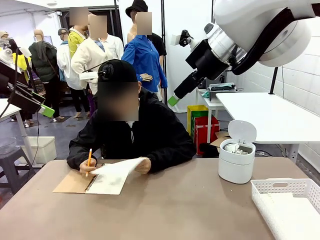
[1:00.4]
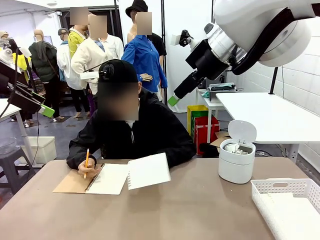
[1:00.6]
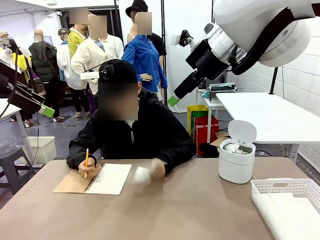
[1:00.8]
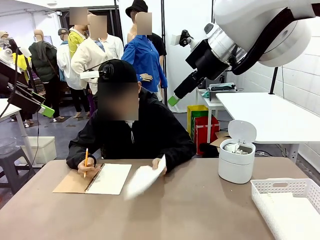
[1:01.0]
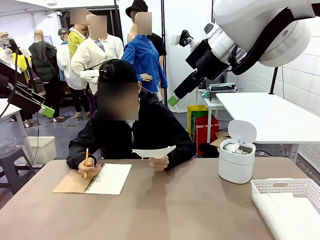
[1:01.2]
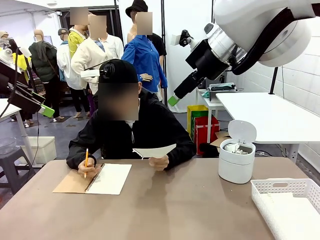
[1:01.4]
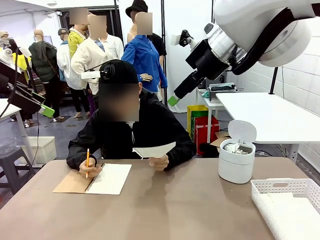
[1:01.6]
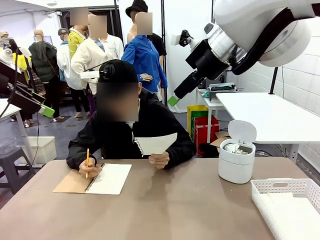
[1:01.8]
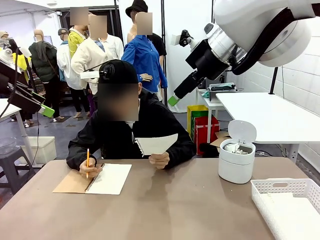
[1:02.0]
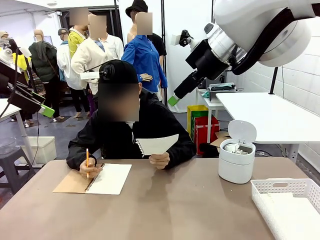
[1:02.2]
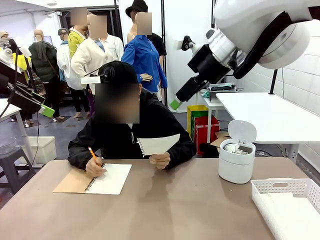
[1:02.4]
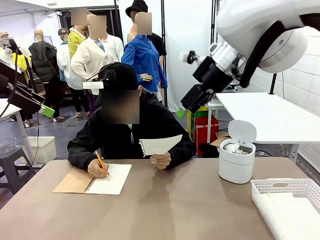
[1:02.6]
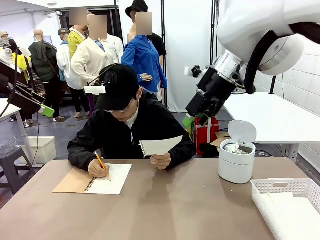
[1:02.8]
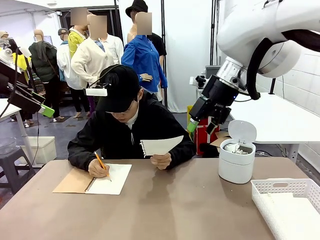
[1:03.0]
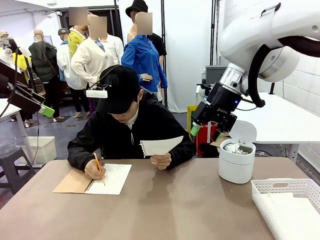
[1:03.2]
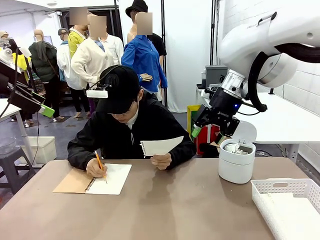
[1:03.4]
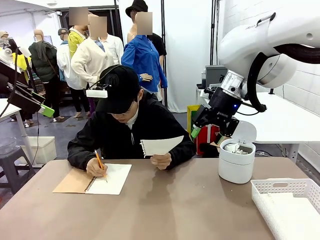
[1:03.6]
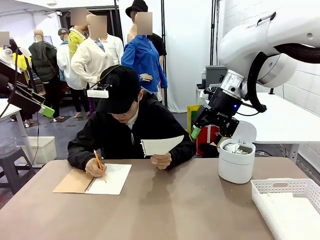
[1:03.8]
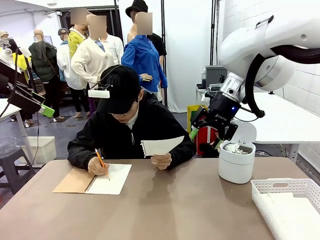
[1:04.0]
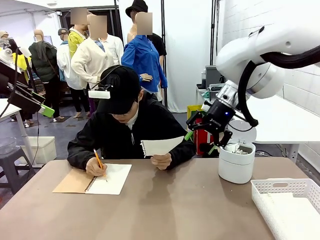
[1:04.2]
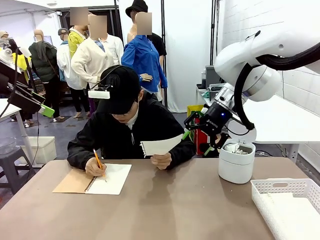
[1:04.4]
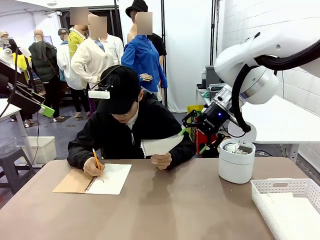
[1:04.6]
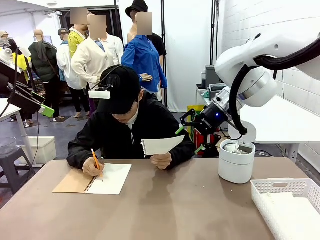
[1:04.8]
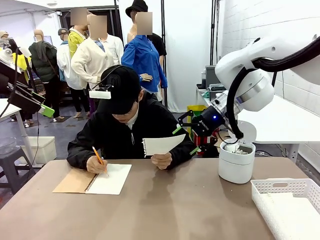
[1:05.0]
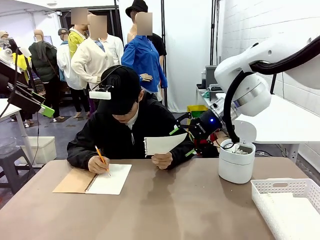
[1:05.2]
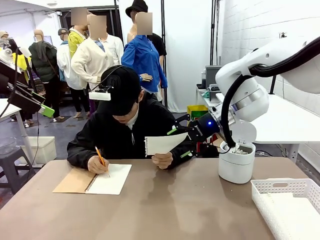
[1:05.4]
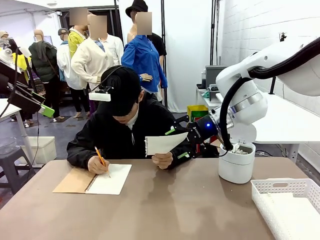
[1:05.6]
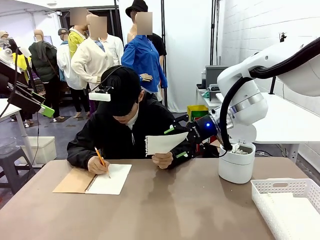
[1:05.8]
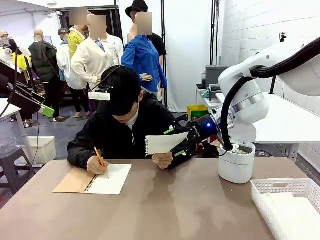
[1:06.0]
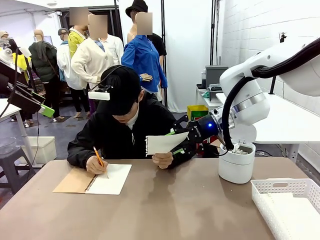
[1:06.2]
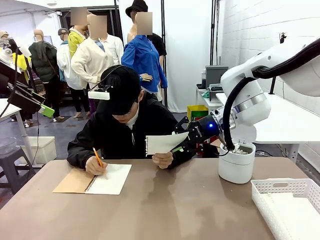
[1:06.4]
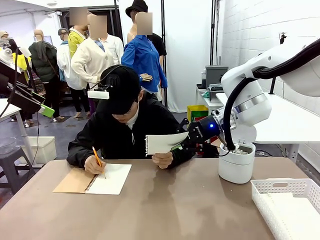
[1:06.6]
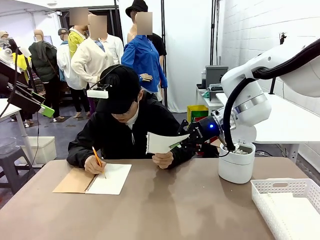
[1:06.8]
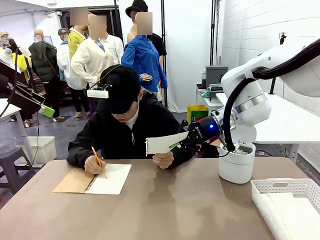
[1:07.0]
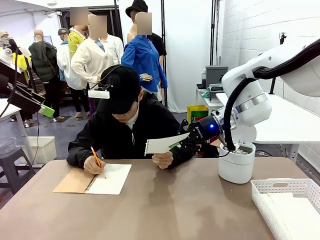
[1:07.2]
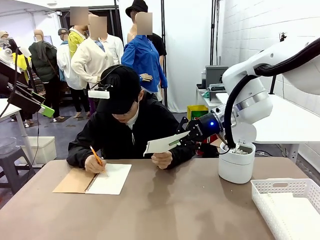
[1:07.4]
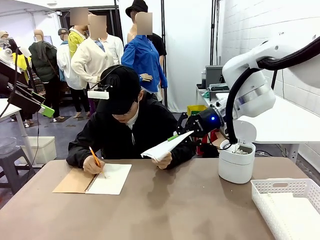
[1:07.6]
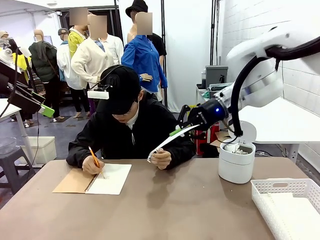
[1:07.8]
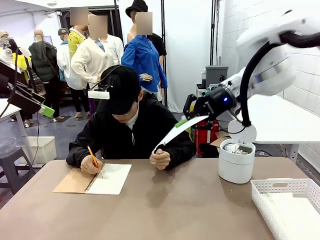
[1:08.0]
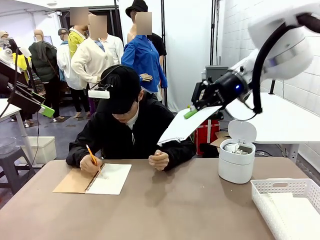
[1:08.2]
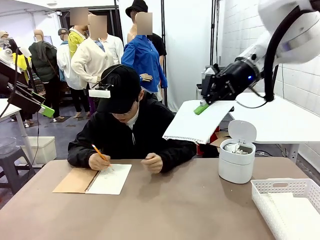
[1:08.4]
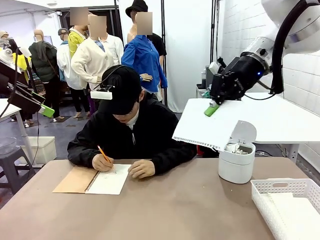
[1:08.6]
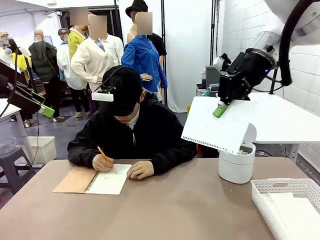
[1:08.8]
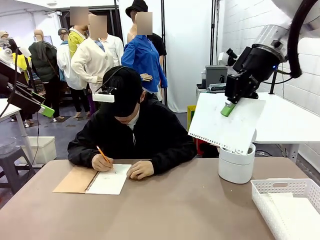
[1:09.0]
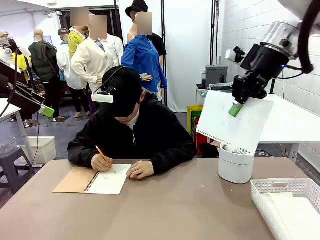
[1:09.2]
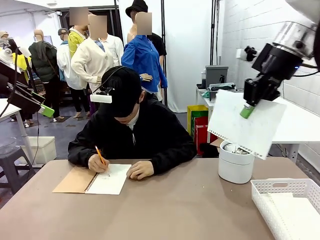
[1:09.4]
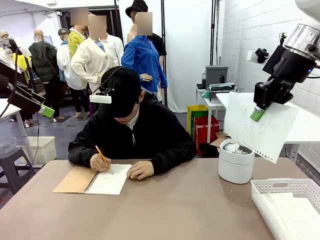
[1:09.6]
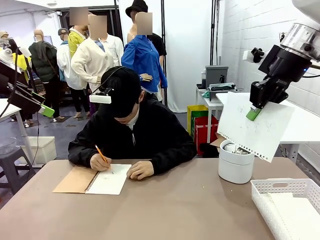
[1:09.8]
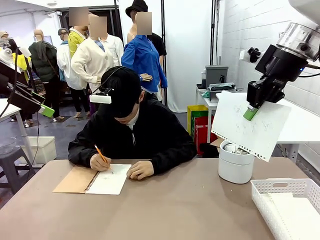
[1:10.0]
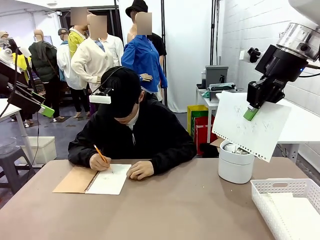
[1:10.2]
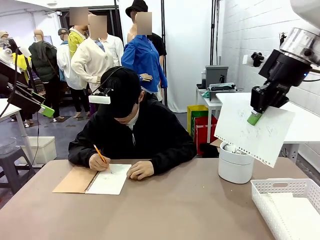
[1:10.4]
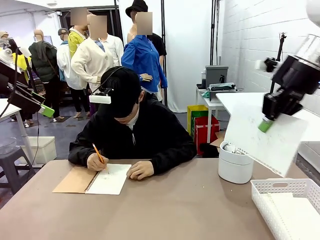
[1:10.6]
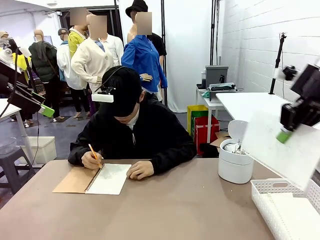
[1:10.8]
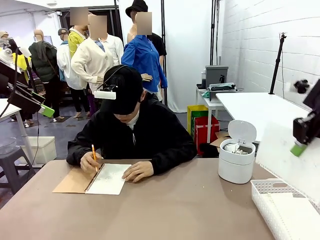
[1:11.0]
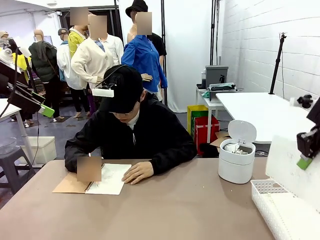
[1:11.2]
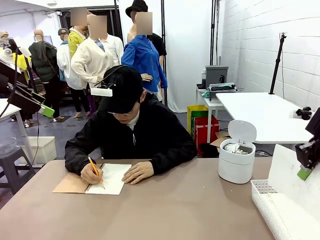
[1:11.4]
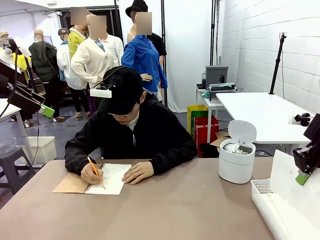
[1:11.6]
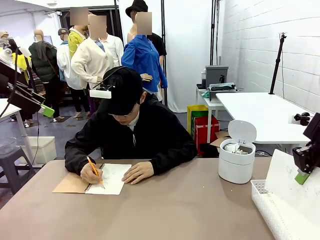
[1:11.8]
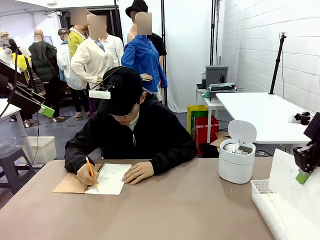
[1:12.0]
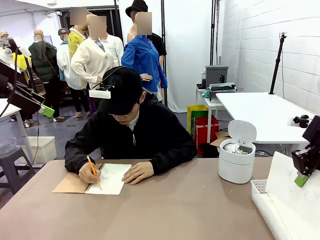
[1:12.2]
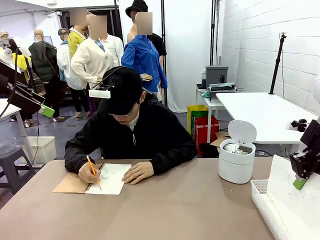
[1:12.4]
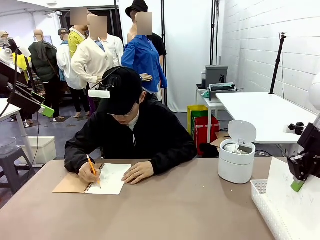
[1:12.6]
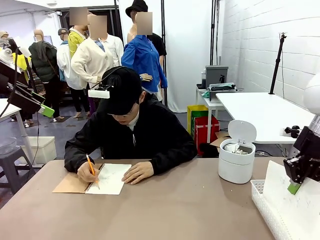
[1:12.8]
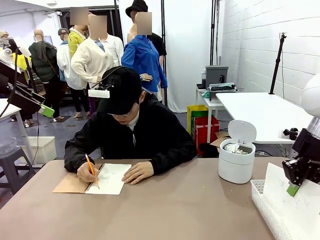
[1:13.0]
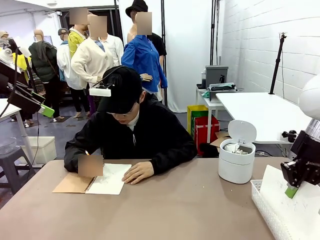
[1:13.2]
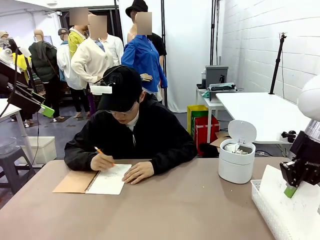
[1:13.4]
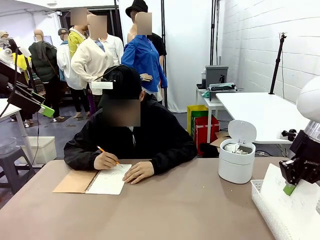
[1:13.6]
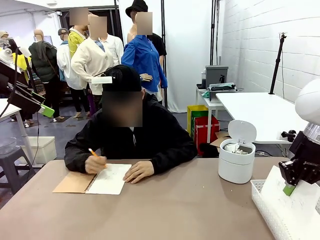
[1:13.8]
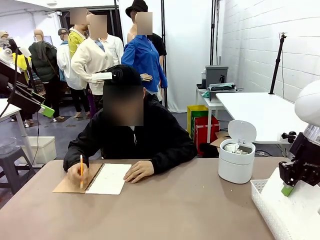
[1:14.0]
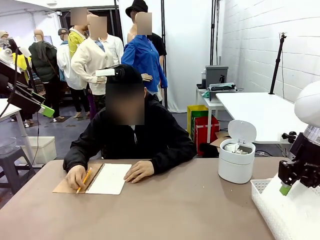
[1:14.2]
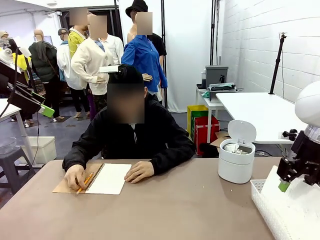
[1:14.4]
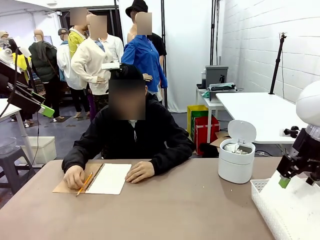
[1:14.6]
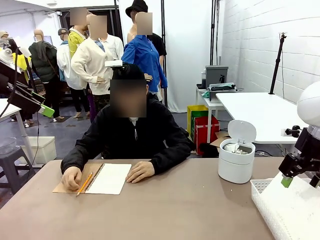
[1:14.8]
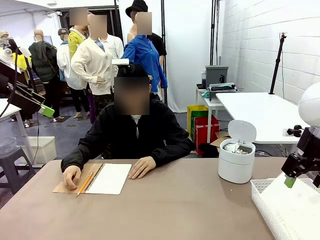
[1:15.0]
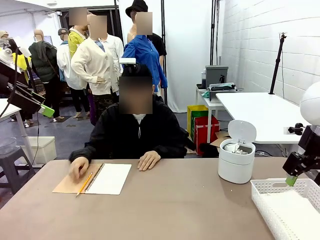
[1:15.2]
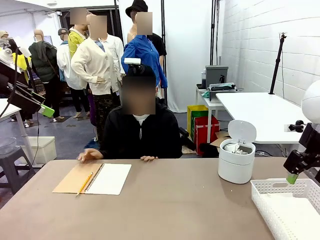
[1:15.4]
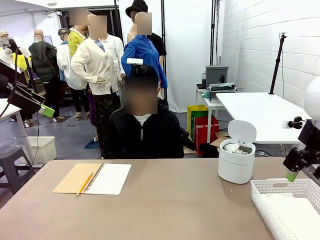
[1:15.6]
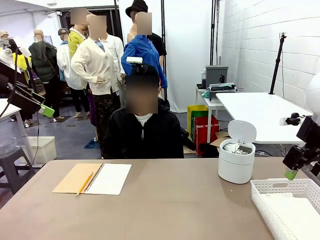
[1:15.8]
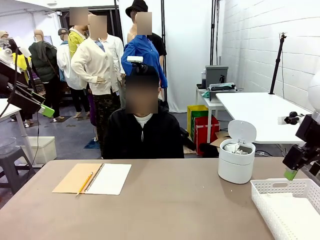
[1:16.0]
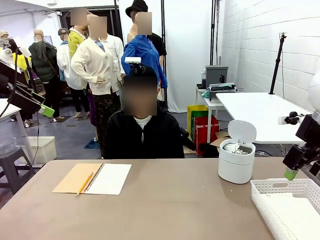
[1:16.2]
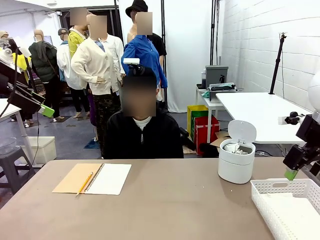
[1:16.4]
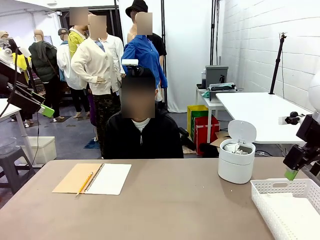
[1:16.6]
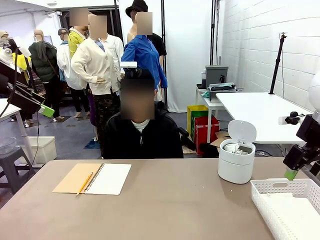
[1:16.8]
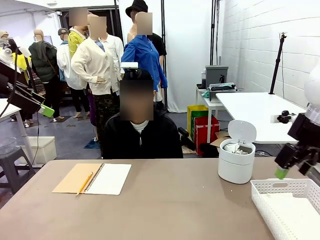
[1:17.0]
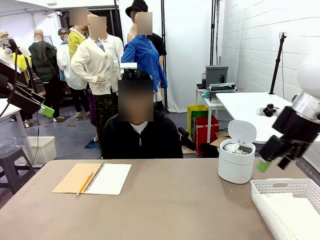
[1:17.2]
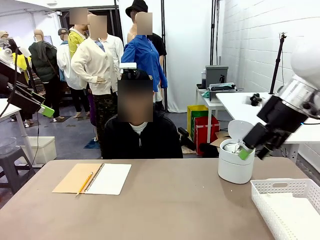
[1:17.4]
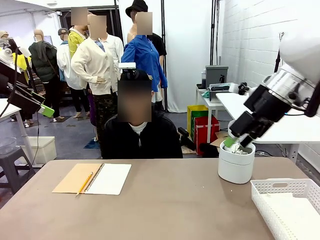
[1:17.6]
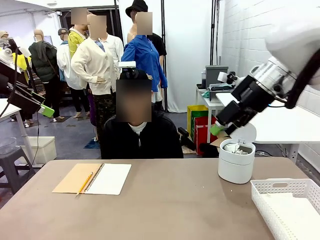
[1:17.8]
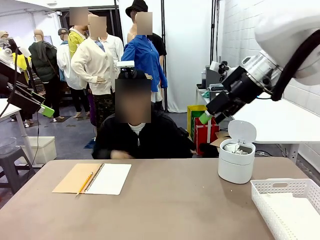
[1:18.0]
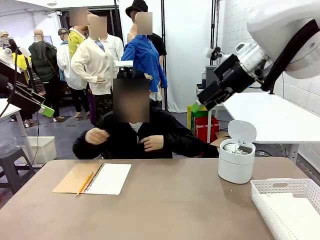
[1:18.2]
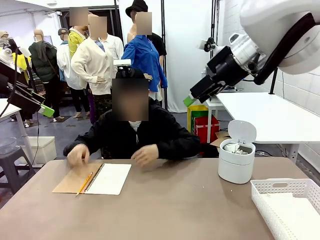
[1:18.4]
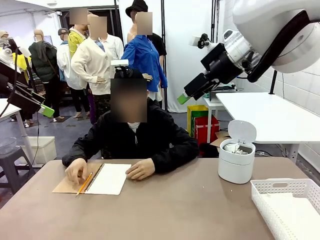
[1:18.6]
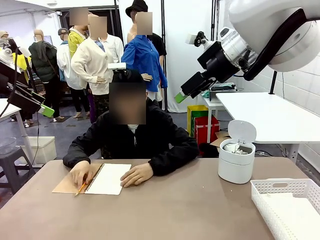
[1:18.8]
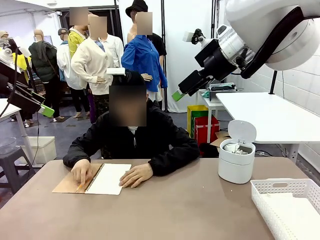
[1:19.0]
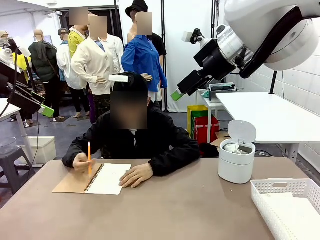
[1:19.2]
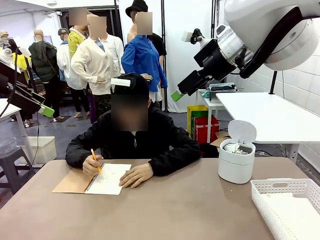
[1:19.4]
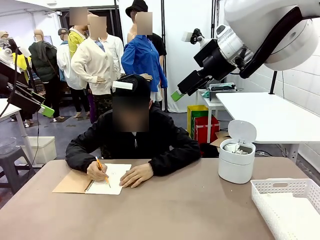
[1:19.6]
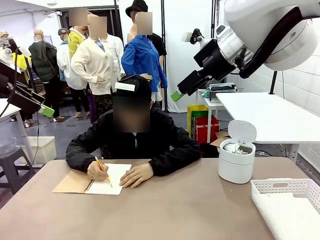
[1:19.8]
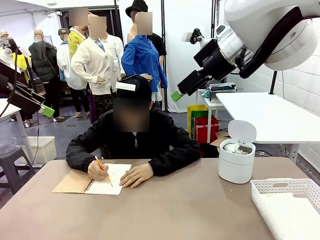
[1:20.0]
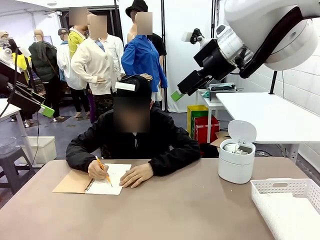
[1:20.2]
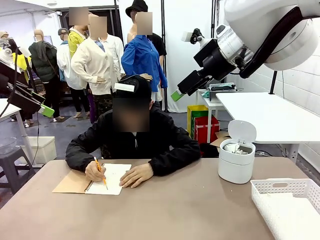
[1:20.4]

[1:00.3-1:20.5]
Task: Sort the paper based on its condition.
Robot: If a person hands you a paper, place it in the Organizing basket , and if it's crumpled, put it in the Trash can.
Person: Hand the torn page to the robot or crumple it and throw it to the center of the table.
